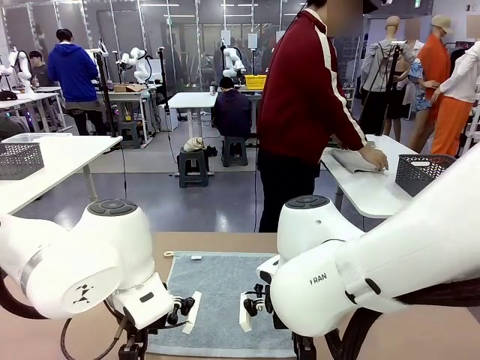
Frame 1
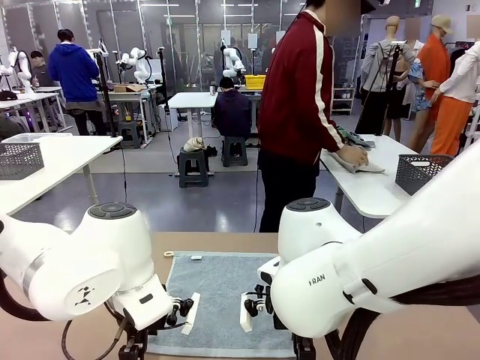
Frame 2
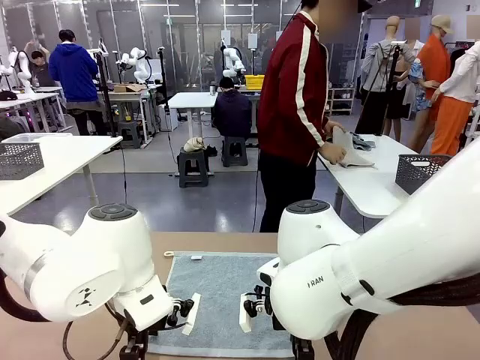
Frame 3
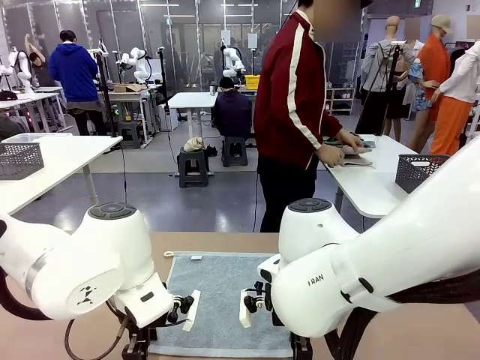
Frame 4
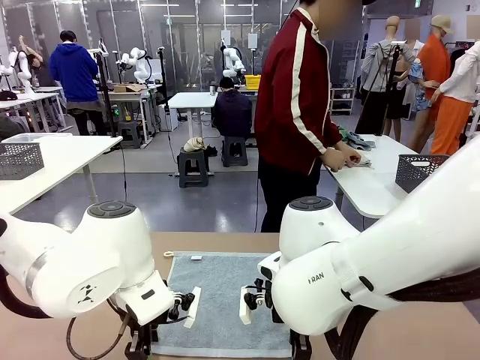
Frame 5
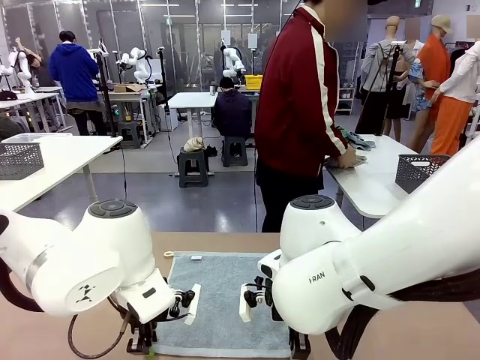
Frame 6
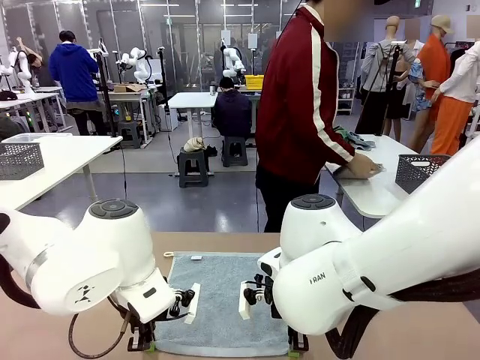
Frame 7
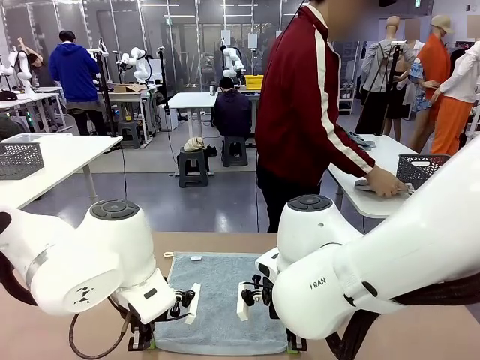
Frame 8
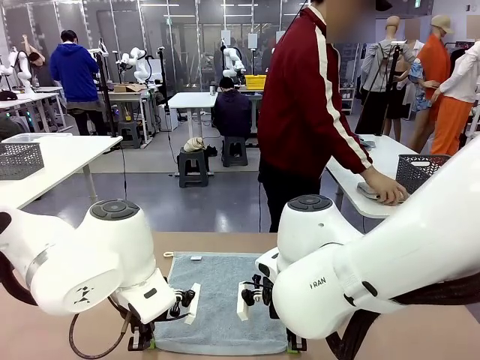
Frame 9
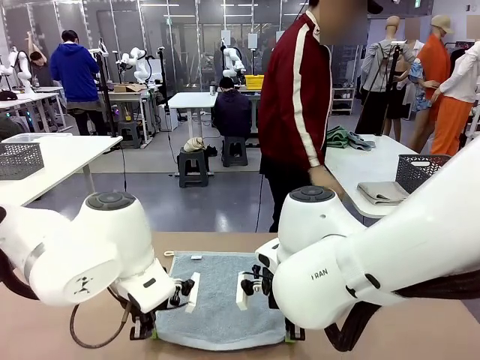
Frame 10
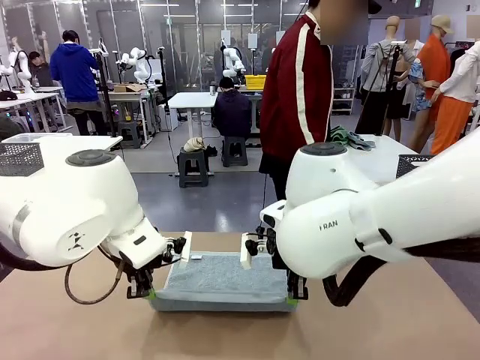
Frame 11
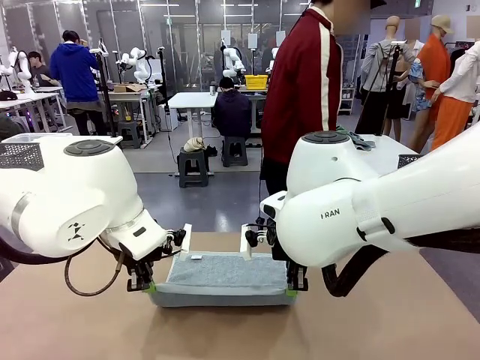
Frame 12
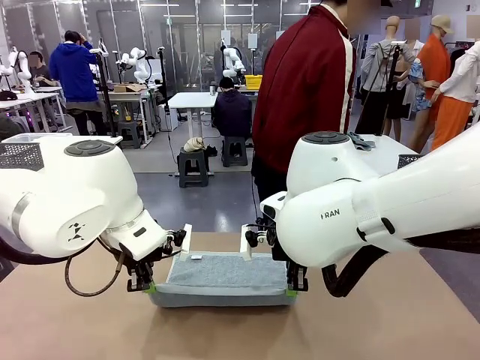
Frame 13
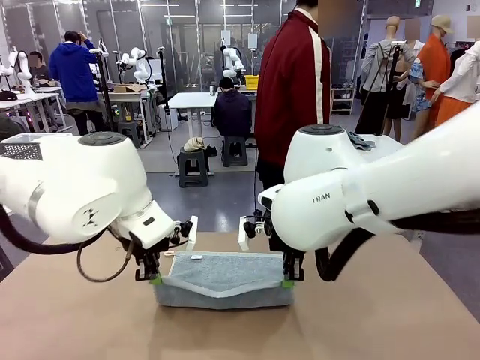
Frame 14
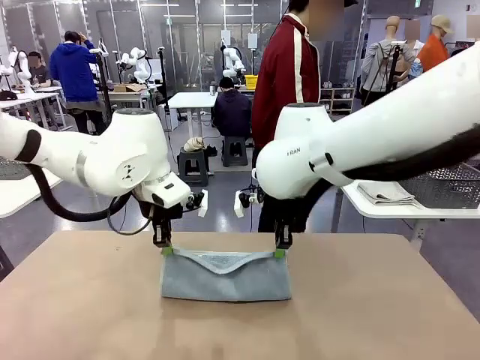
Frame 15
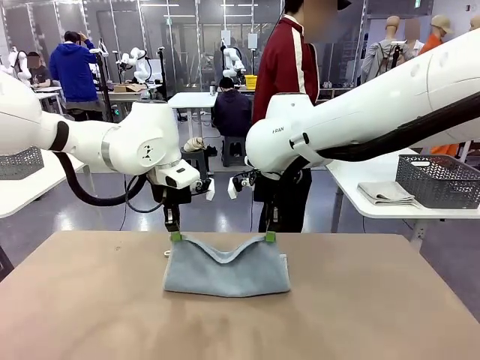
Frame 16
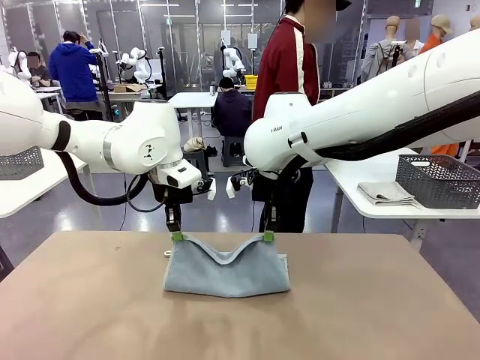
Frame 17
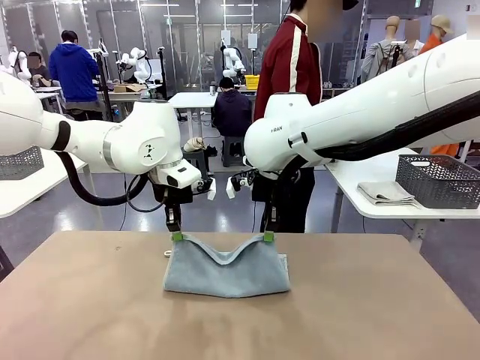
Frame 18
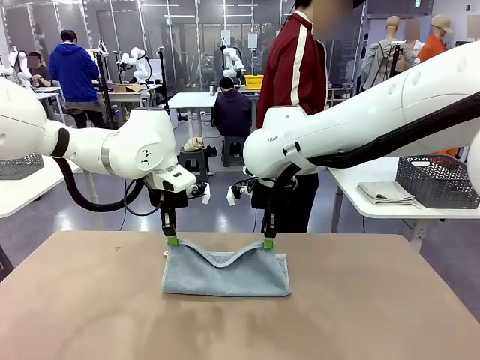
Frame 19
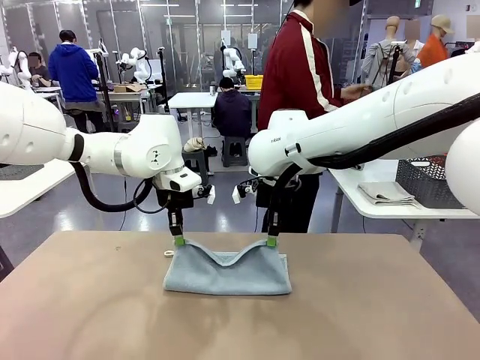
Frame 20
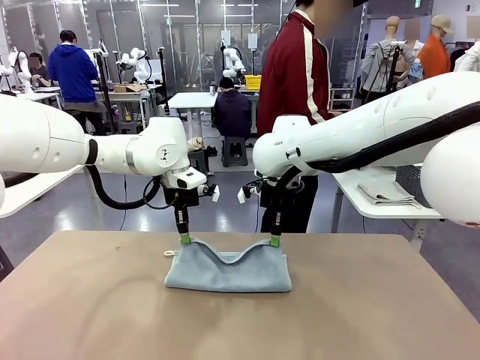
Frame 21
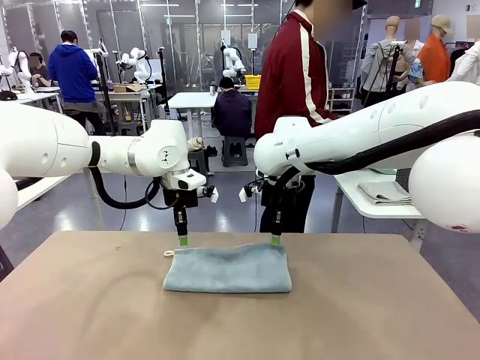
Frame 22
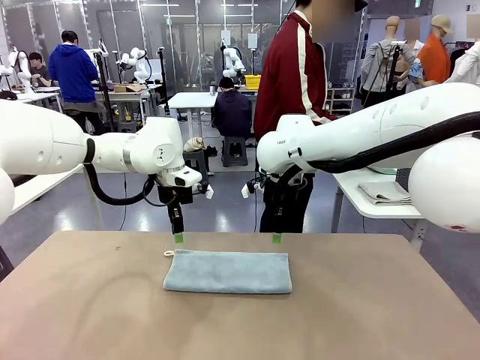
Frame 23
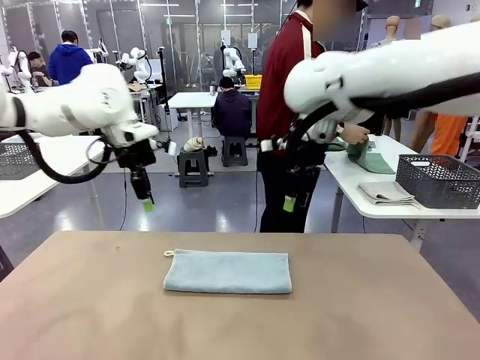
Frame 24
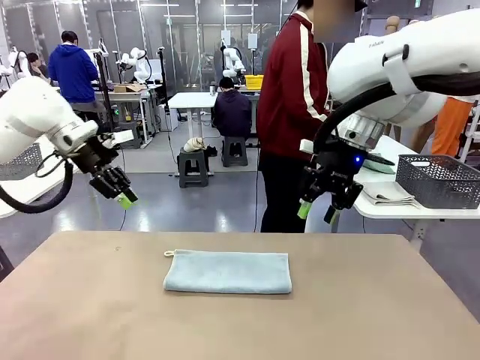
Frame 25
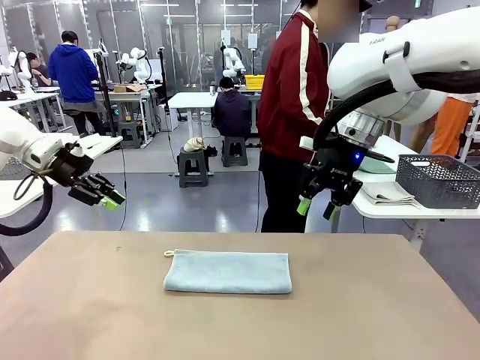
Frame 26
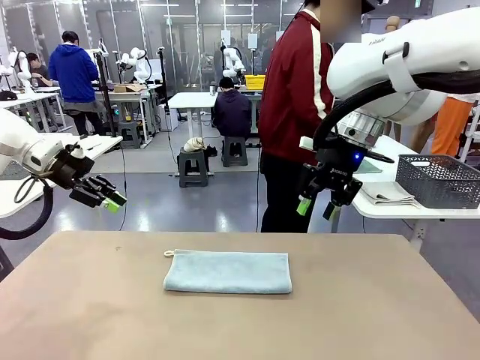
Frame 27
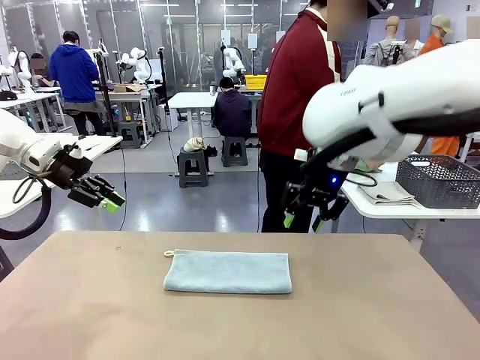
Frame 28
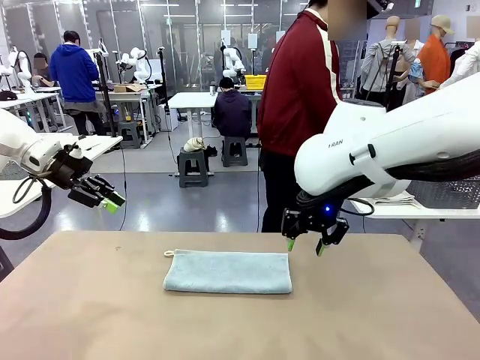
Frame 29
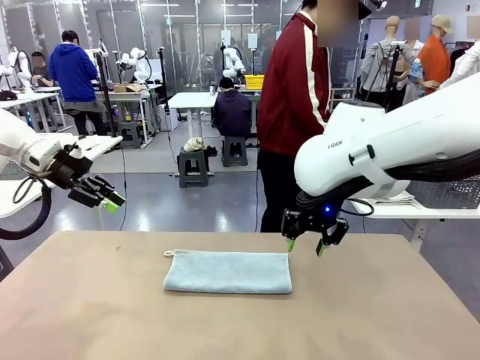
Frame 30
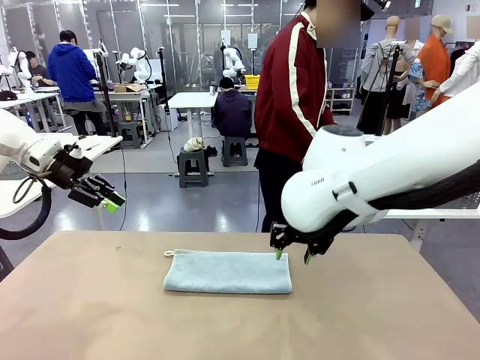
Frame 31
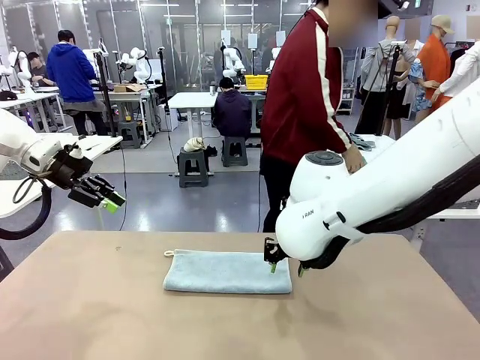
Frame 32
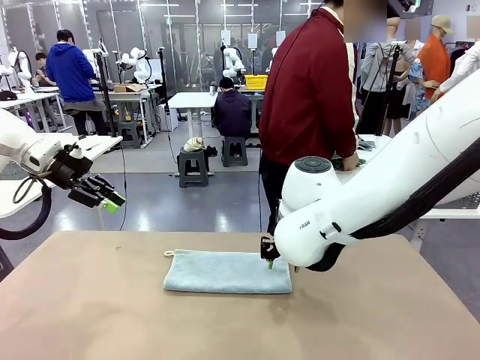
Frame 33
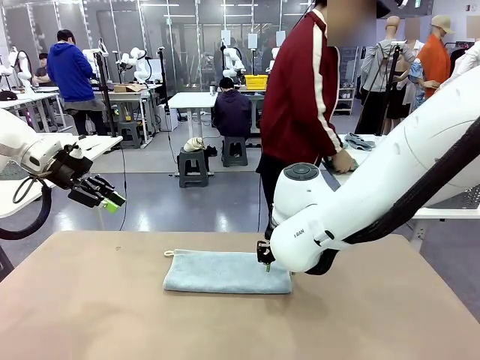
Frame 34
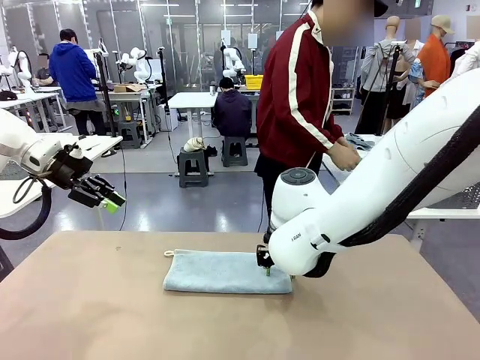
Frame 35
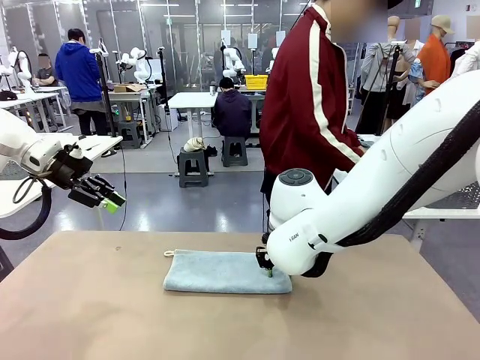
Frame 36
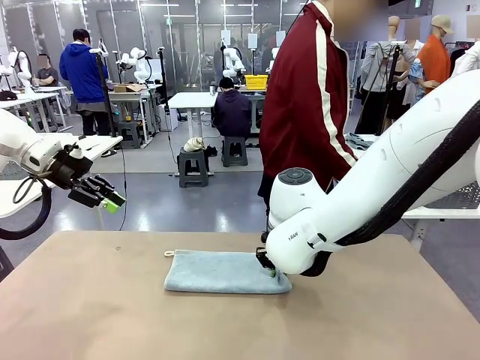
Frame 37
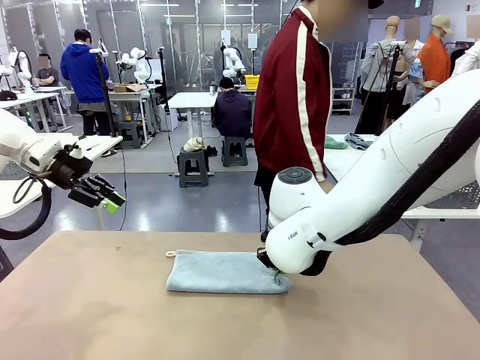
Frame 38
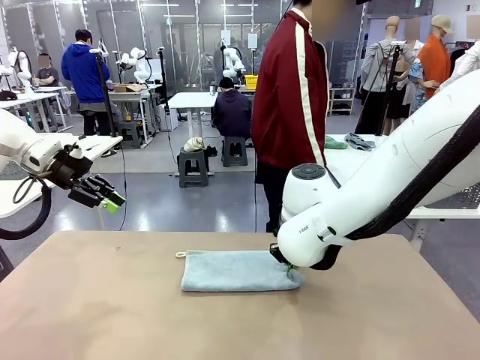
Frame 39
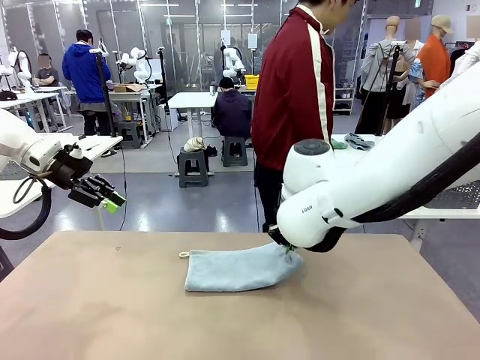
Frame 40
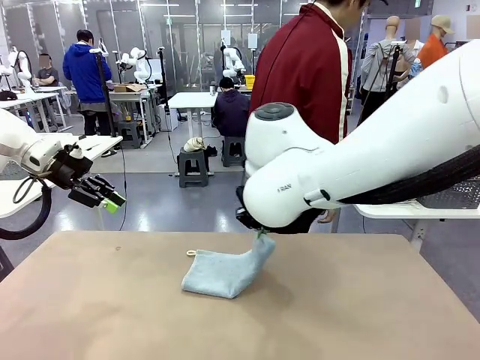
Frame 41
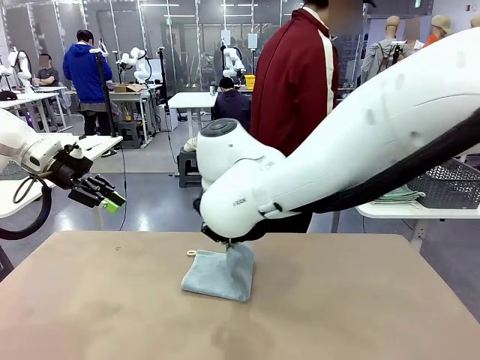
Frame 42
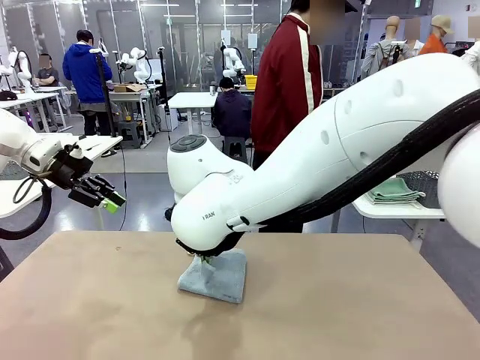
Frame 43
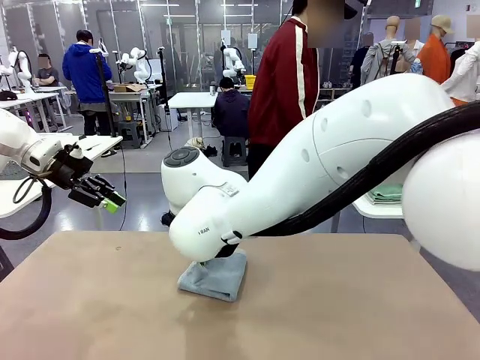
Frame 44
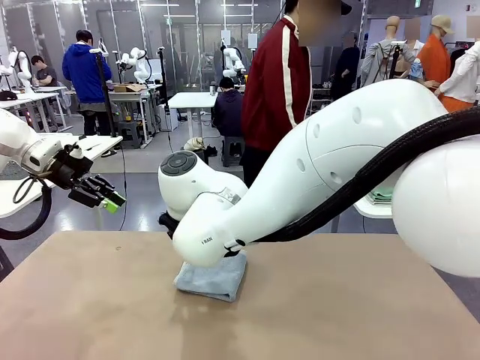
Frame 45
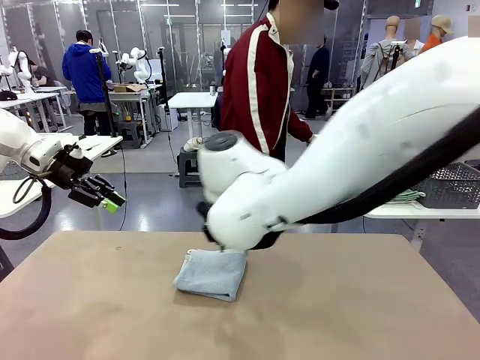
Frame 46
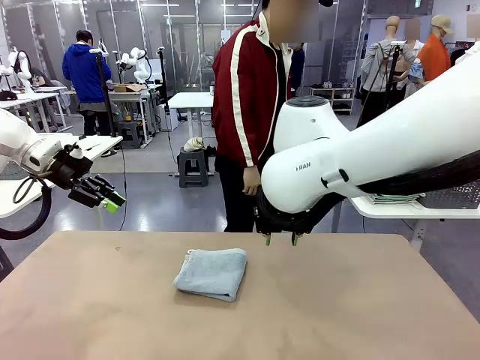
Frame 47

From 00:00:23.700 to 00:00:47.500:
Task: Fold the towels and place them in the basket.
Robot: When a person lays out a Towel with hook on the table, fold it in half twice.
Person: Pick up one towel from the left side of the human table, fold it in half twice, and stack it on the right side of the table.
